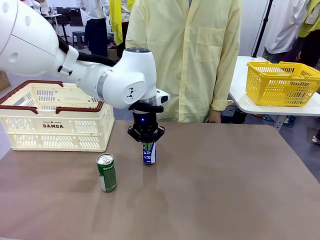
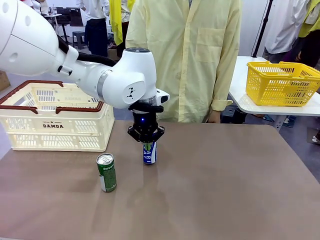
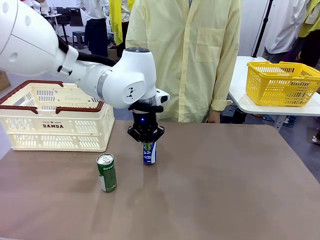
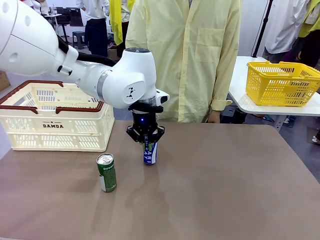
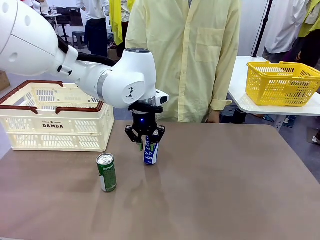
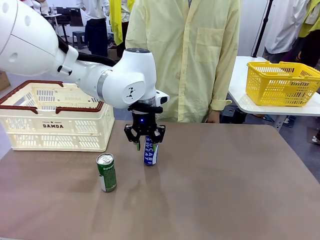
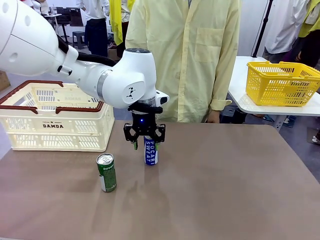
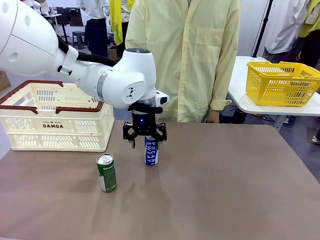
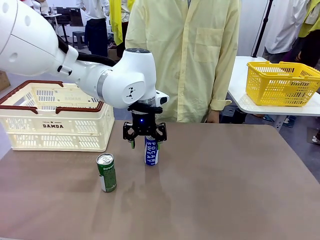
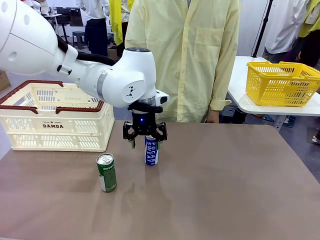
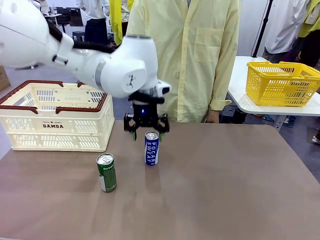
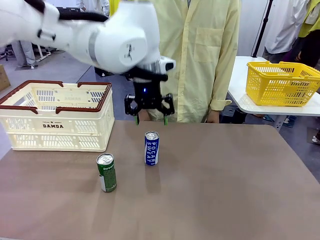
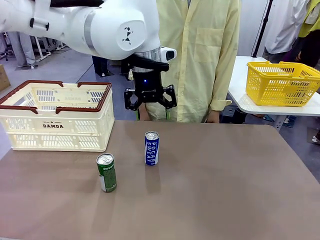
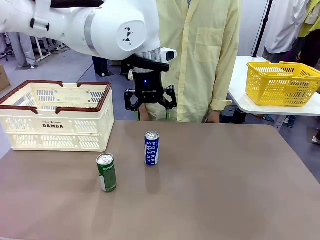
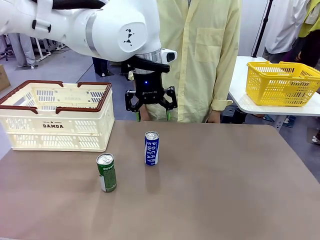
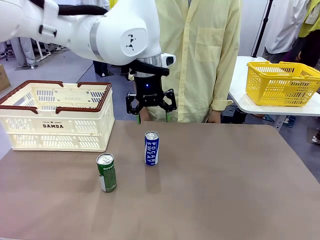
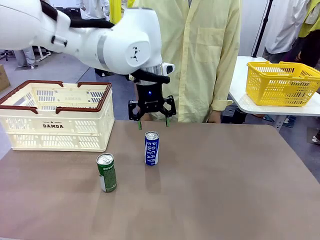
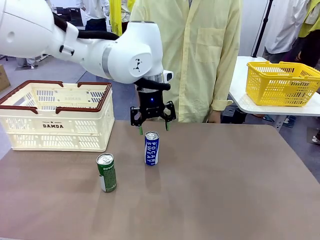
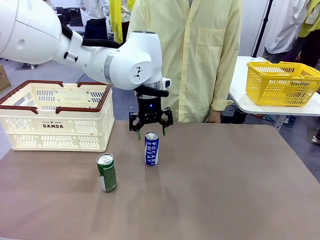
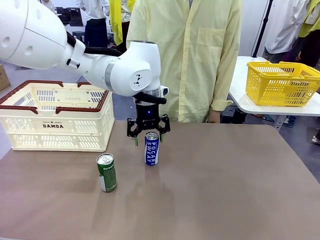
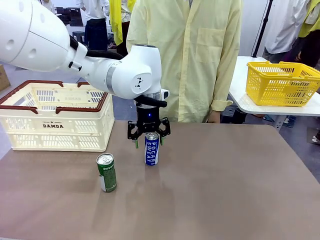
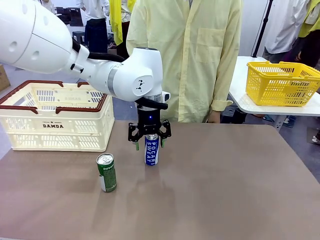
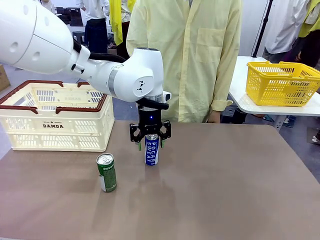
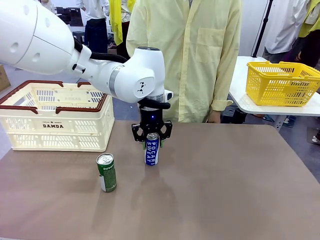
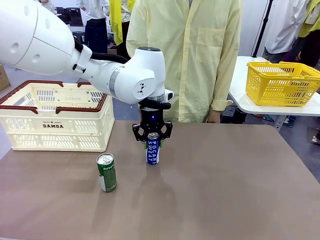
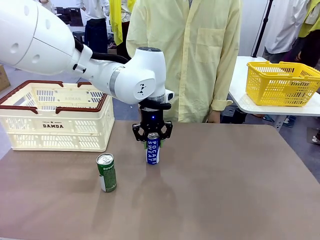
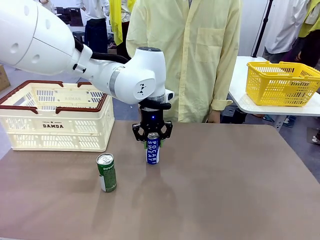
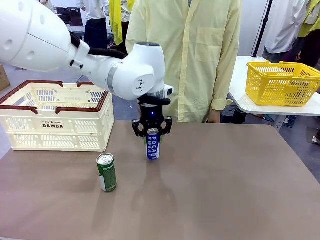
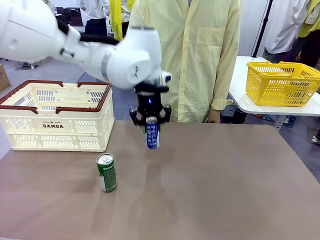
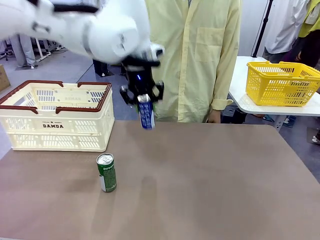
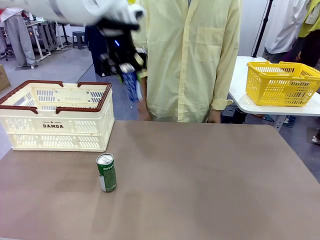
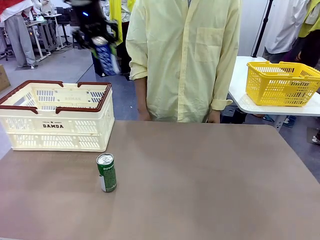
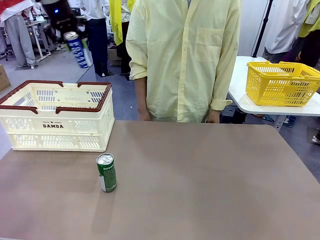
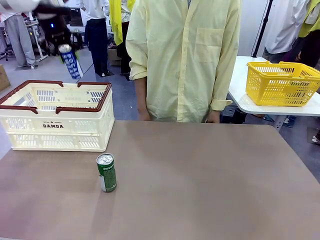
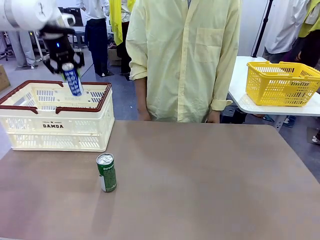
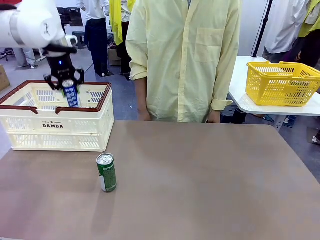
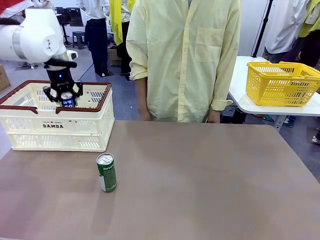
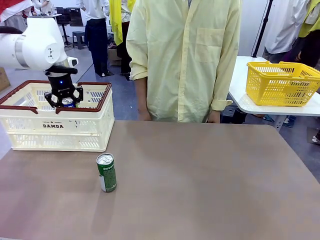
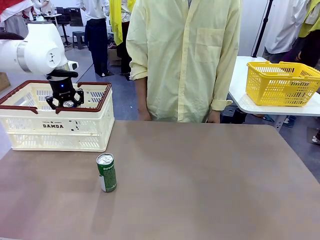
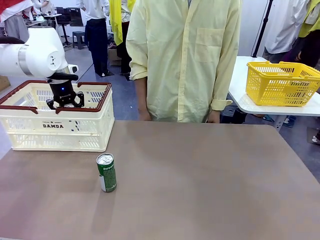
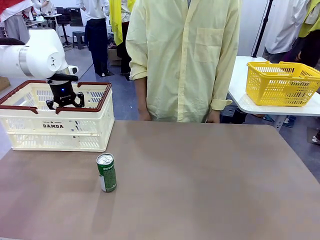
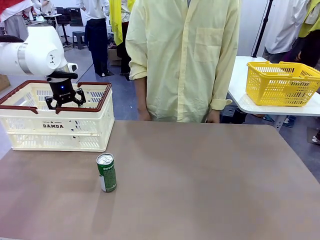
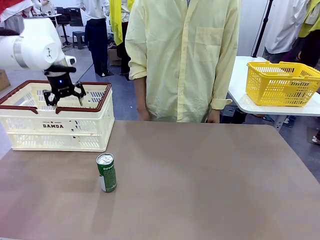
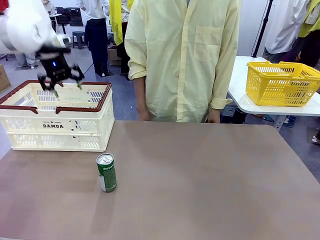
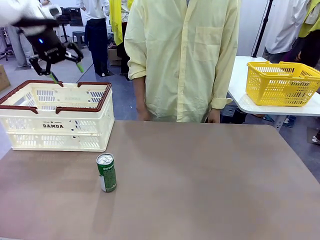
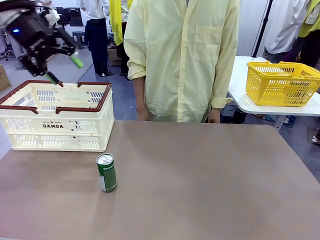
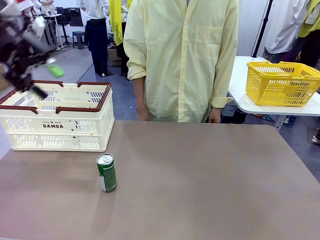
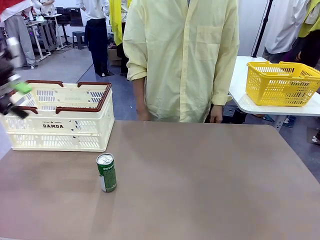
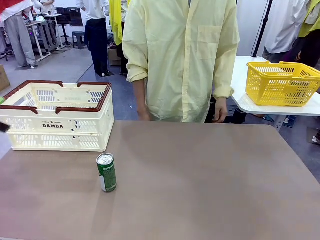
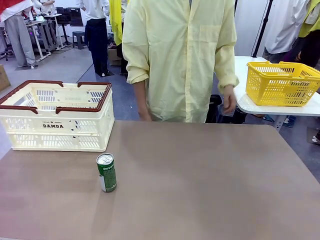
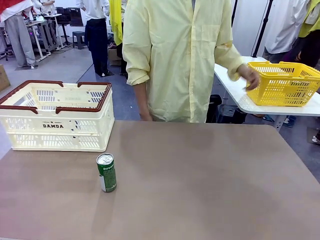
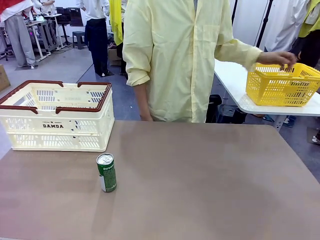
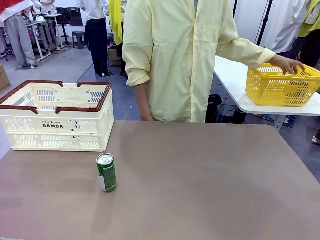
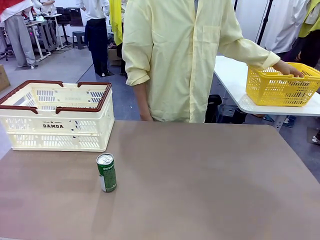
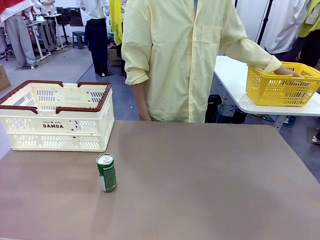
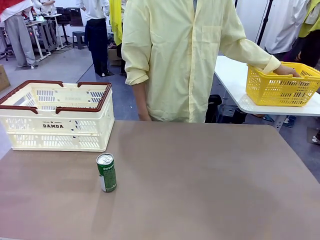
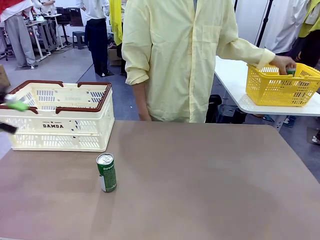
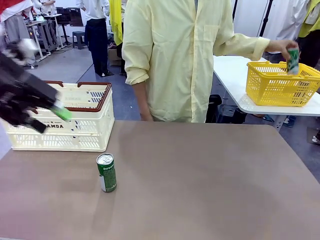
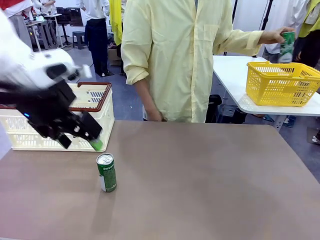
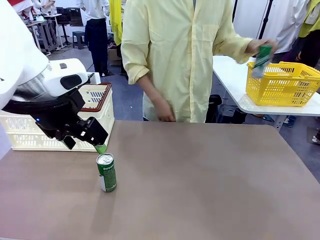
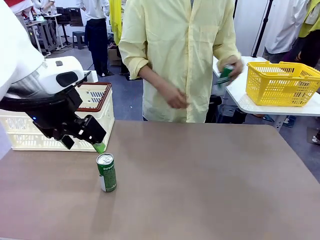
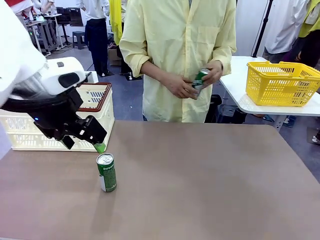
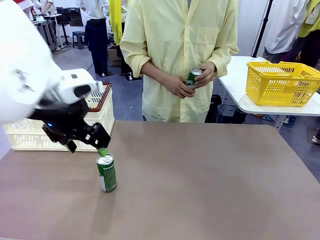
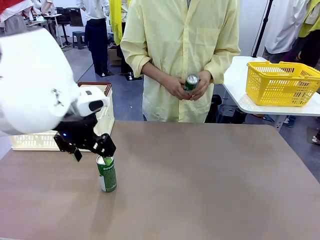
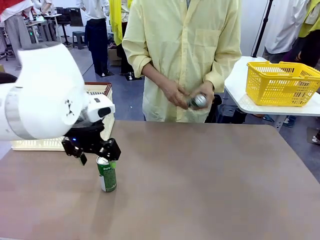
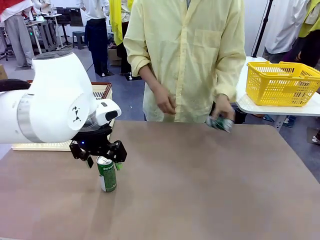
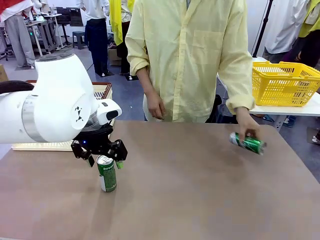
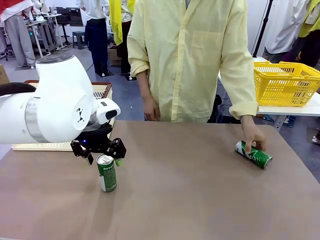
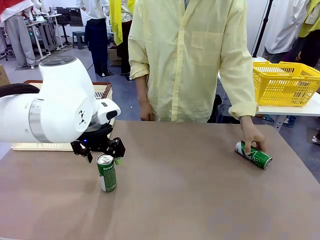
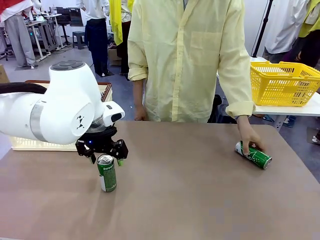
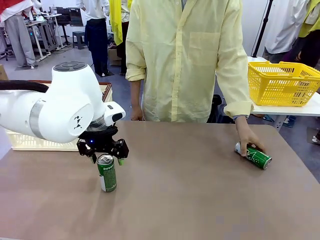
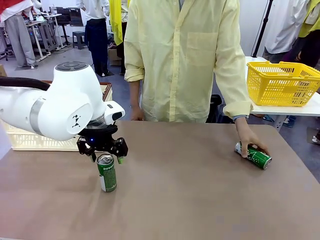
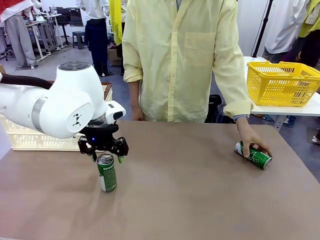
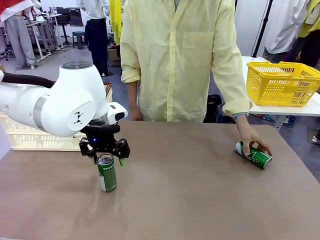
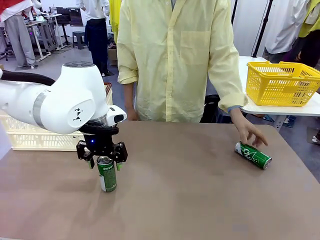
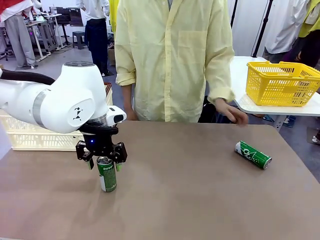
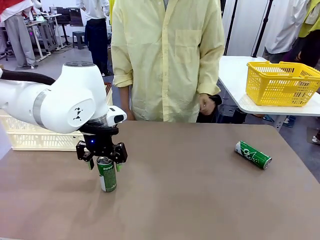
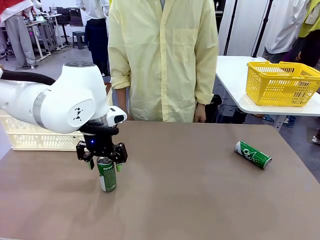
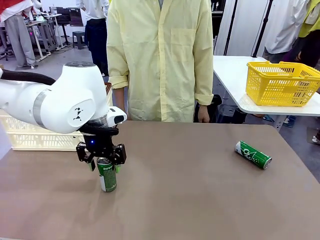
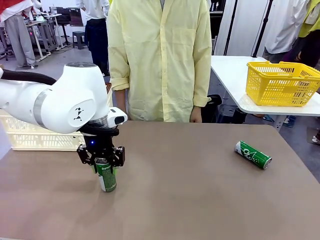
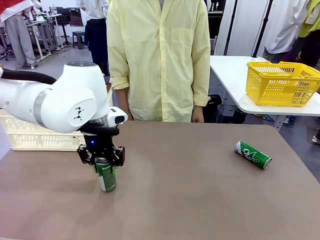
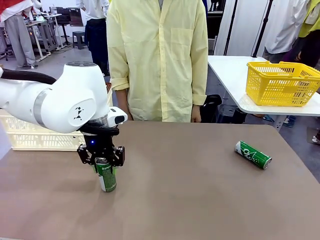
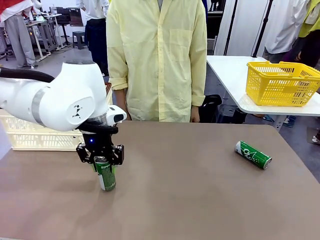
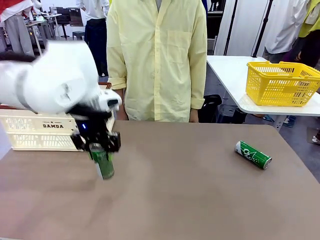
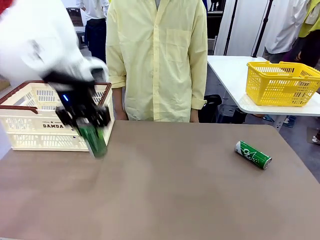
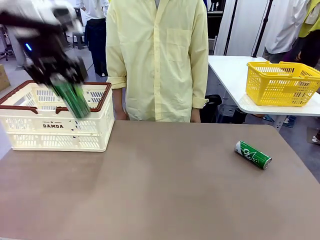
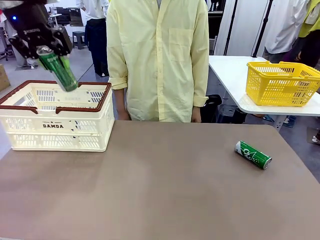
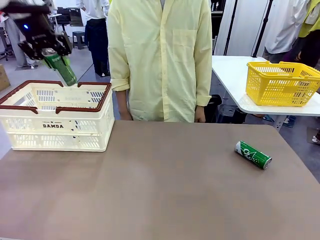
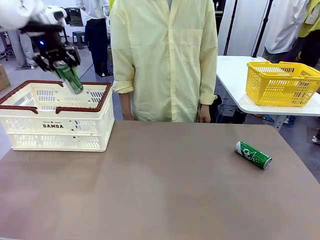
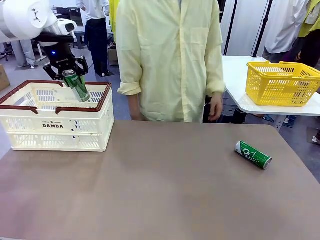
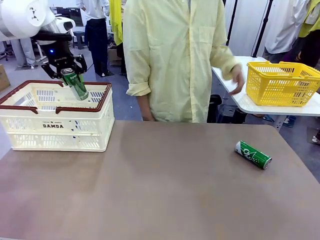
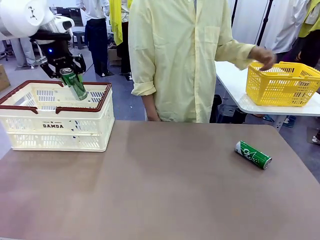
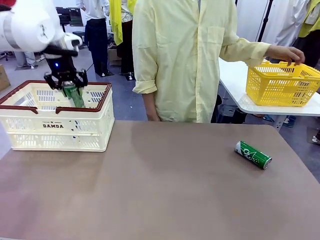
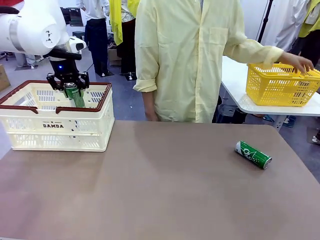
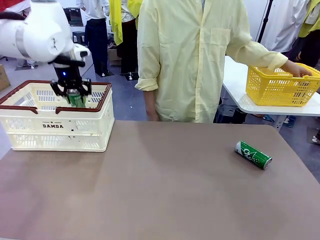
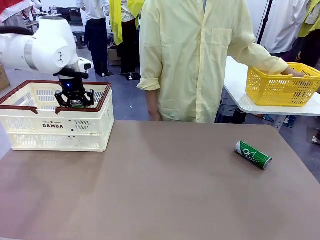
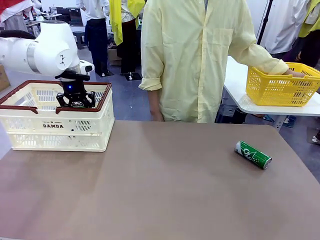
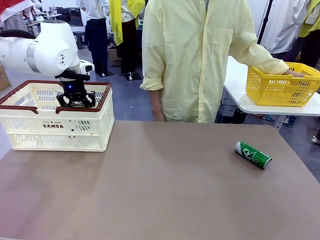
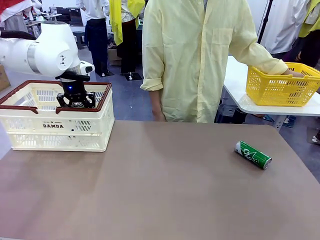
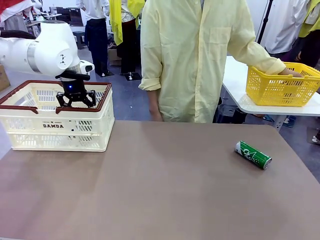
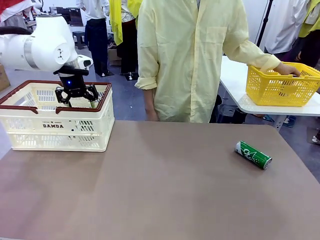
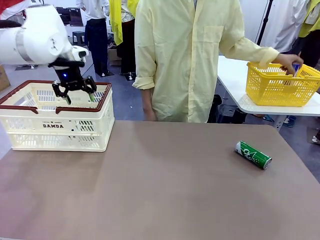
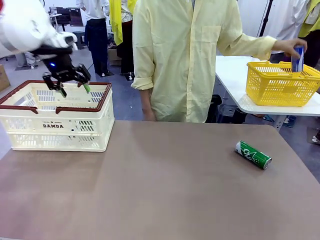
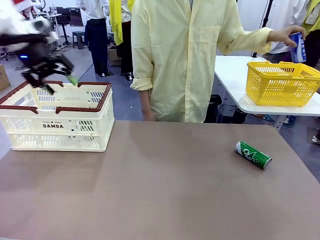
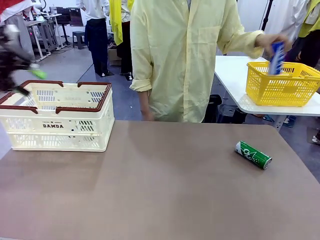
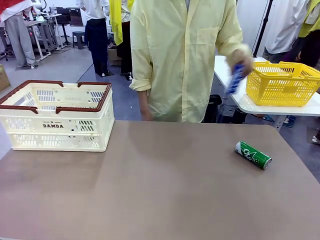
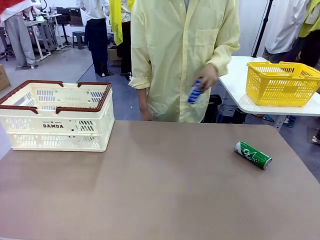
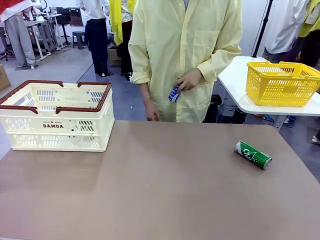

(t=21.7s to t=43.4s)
Task: Place the drinks into the Shopping basket.
Robot: Pick up one drink and place it into the Shopping basket.
